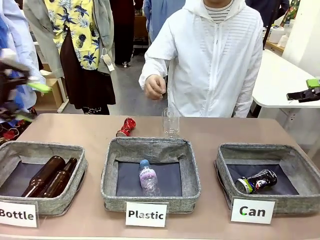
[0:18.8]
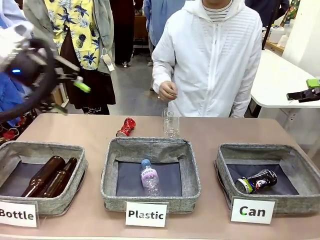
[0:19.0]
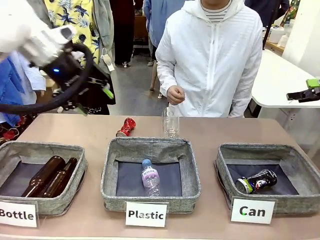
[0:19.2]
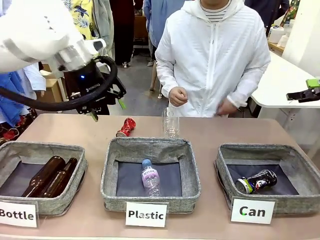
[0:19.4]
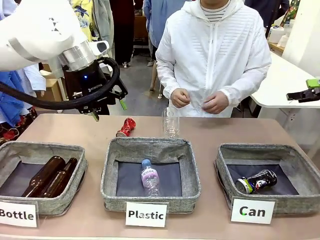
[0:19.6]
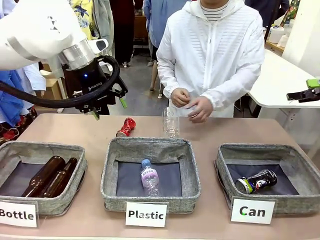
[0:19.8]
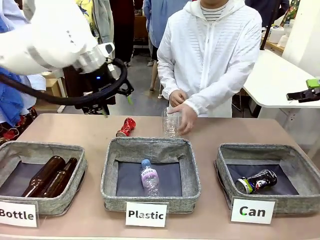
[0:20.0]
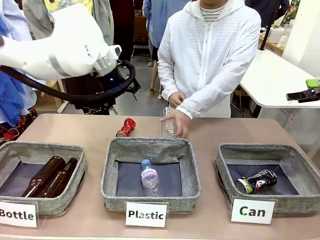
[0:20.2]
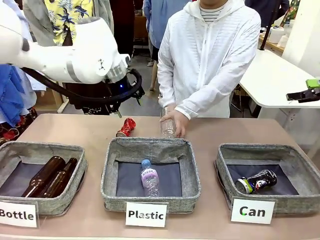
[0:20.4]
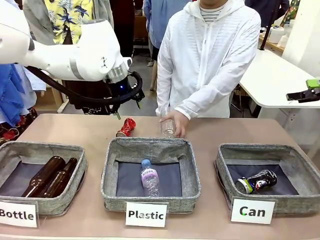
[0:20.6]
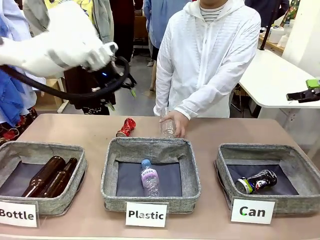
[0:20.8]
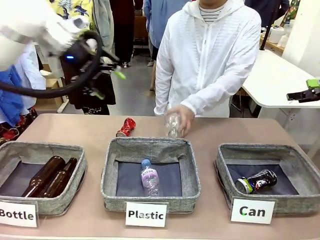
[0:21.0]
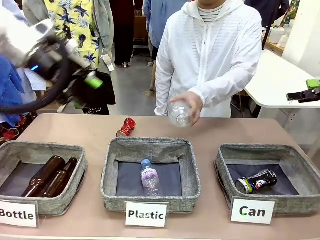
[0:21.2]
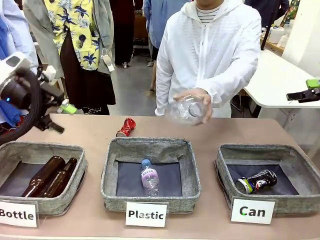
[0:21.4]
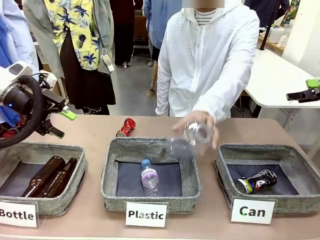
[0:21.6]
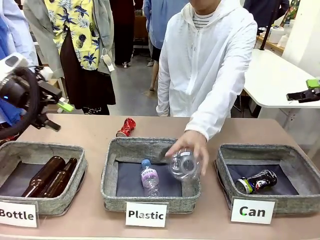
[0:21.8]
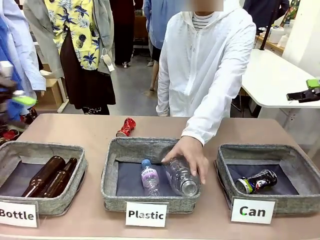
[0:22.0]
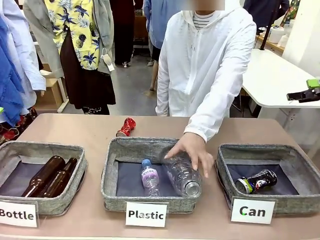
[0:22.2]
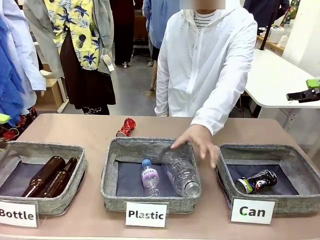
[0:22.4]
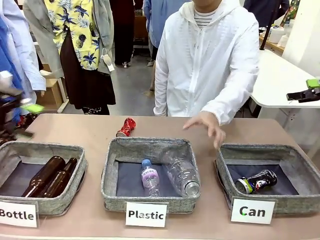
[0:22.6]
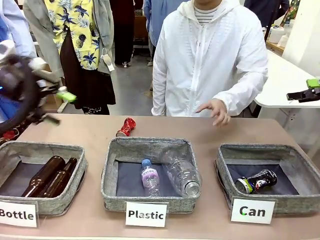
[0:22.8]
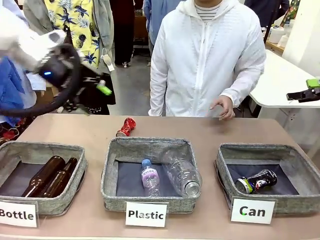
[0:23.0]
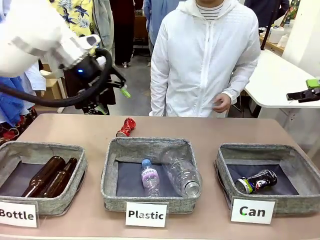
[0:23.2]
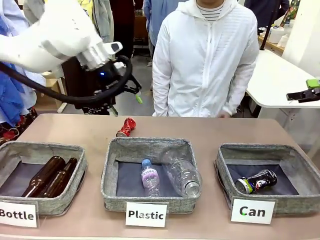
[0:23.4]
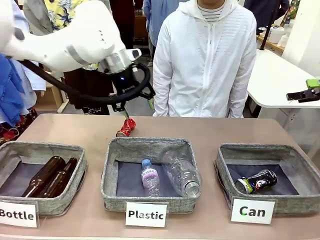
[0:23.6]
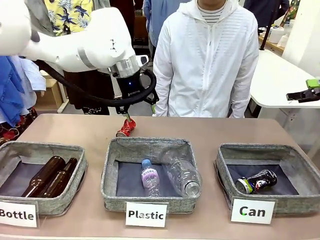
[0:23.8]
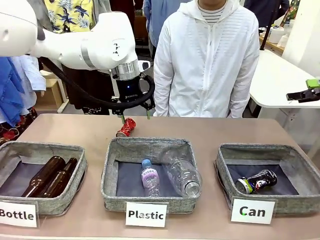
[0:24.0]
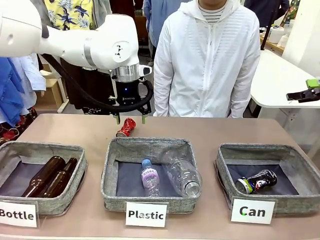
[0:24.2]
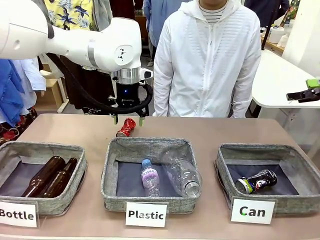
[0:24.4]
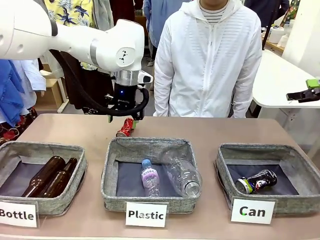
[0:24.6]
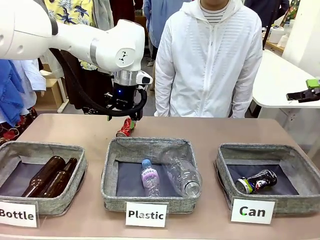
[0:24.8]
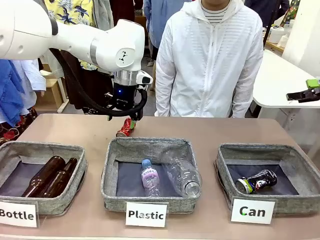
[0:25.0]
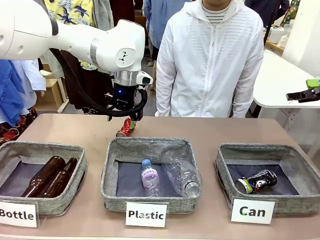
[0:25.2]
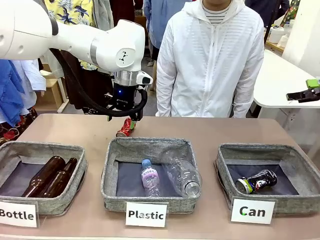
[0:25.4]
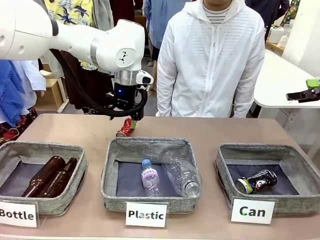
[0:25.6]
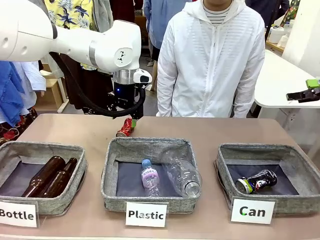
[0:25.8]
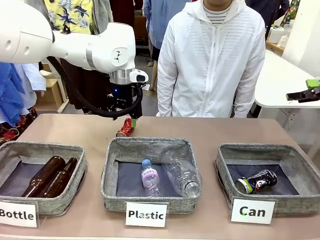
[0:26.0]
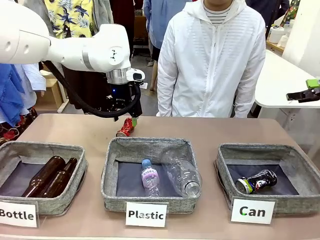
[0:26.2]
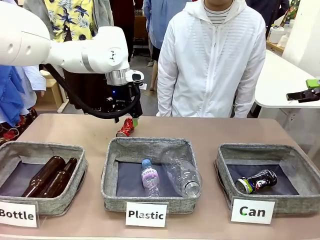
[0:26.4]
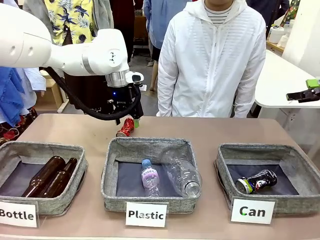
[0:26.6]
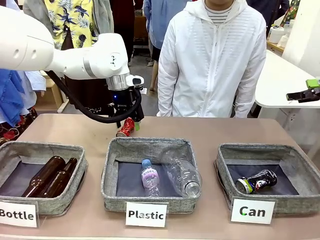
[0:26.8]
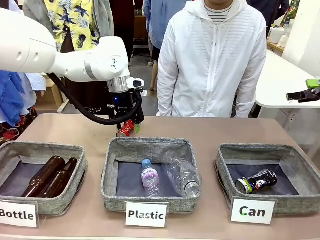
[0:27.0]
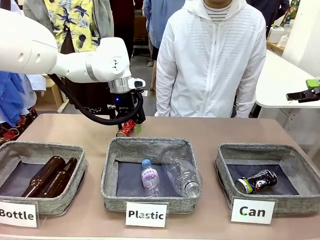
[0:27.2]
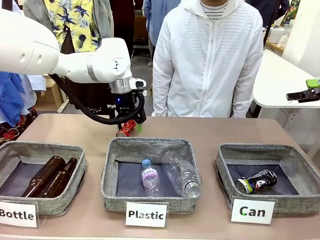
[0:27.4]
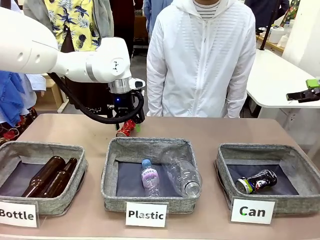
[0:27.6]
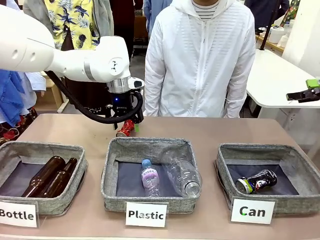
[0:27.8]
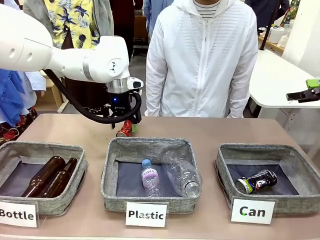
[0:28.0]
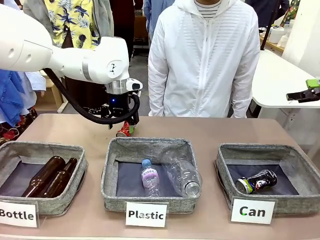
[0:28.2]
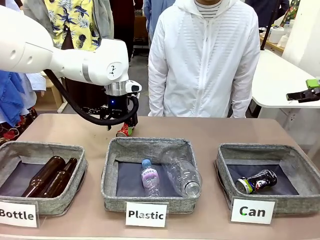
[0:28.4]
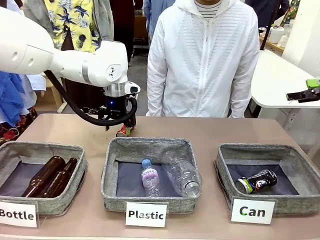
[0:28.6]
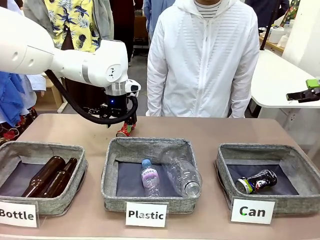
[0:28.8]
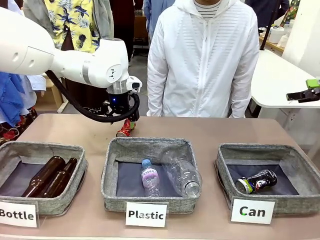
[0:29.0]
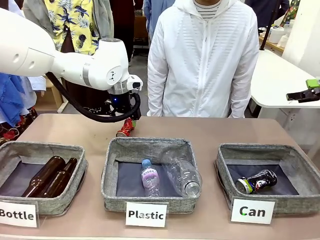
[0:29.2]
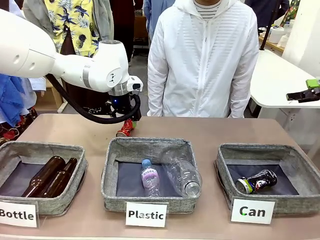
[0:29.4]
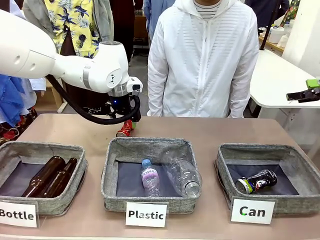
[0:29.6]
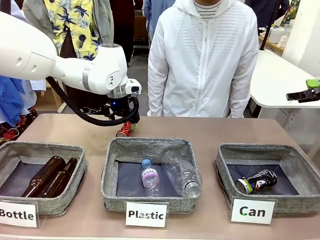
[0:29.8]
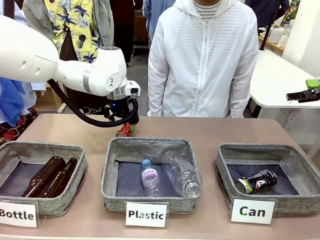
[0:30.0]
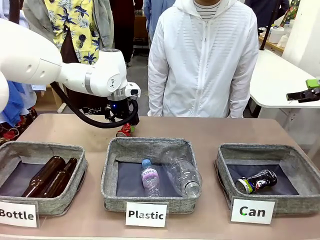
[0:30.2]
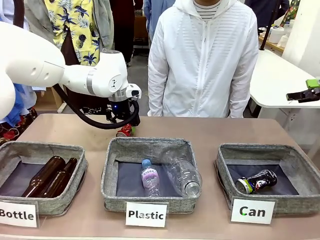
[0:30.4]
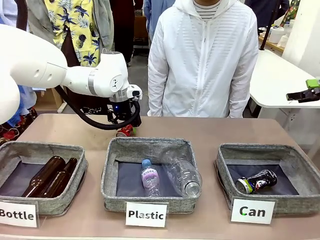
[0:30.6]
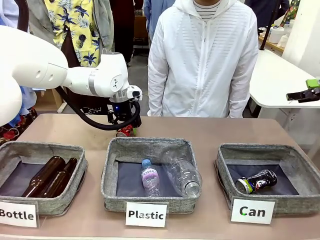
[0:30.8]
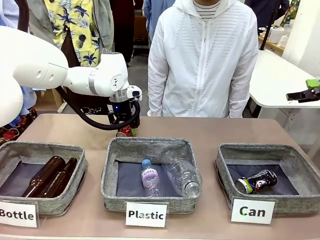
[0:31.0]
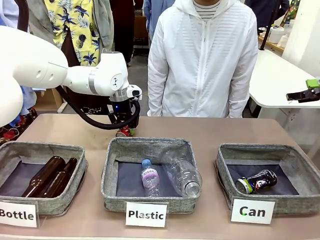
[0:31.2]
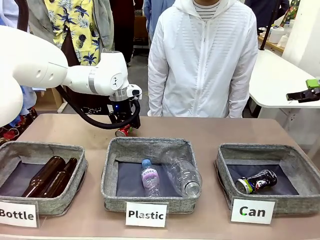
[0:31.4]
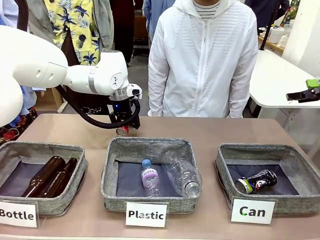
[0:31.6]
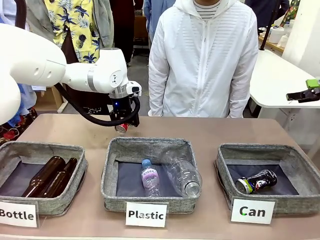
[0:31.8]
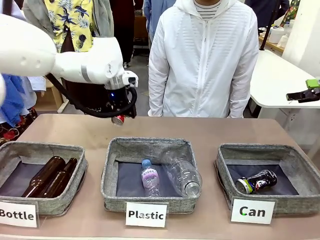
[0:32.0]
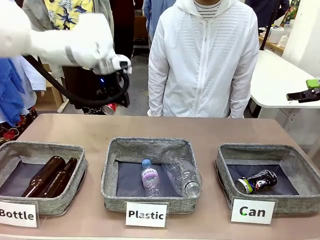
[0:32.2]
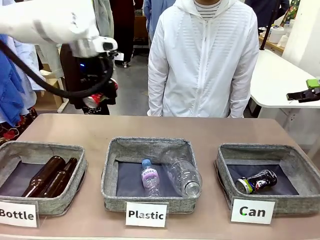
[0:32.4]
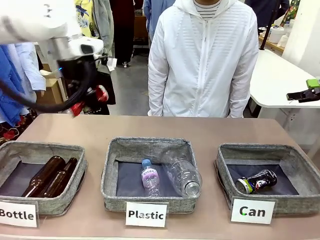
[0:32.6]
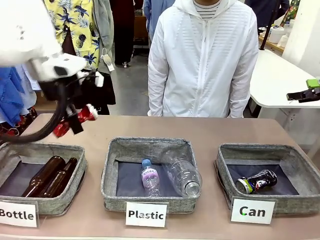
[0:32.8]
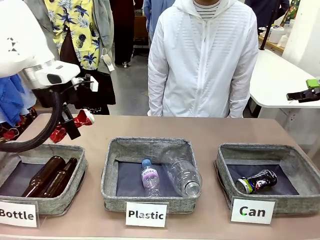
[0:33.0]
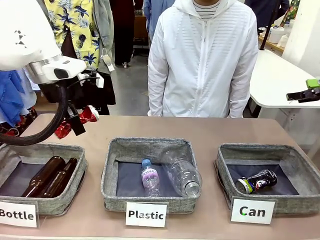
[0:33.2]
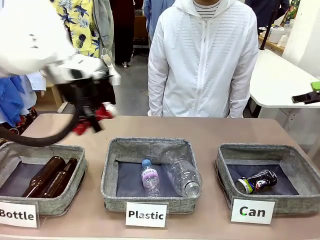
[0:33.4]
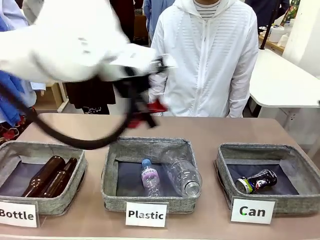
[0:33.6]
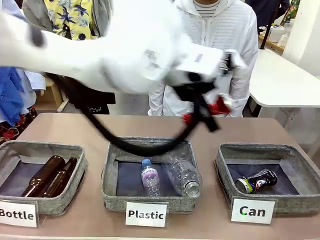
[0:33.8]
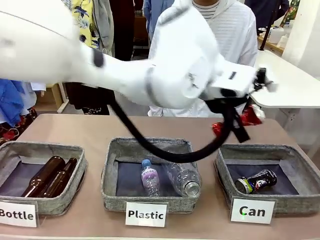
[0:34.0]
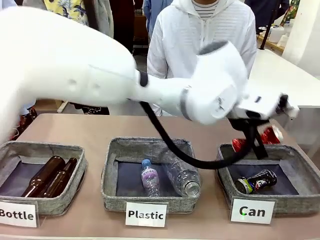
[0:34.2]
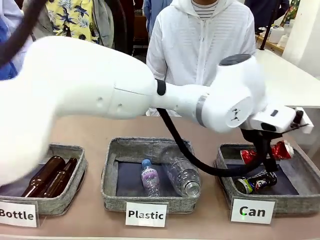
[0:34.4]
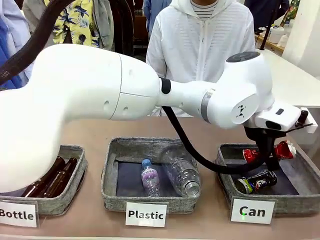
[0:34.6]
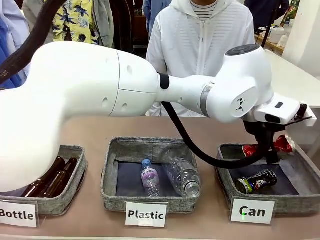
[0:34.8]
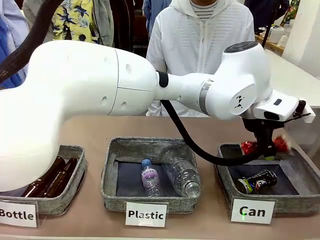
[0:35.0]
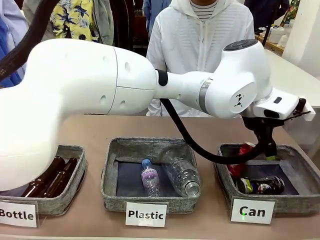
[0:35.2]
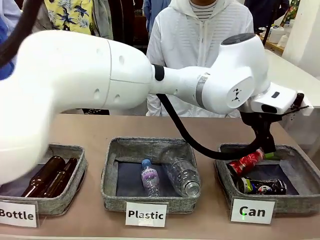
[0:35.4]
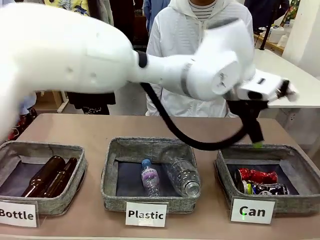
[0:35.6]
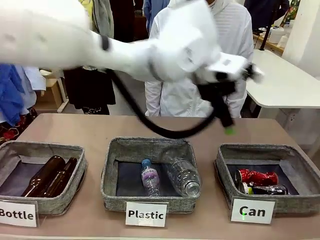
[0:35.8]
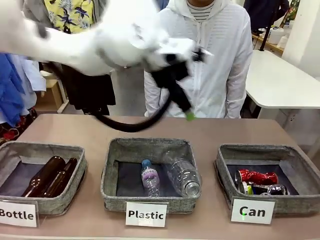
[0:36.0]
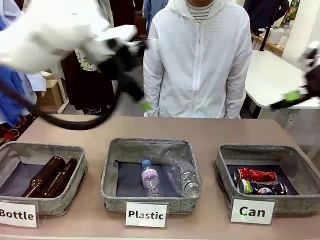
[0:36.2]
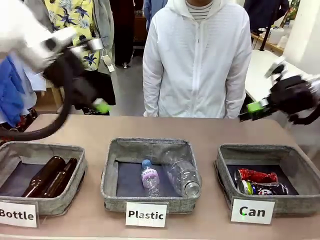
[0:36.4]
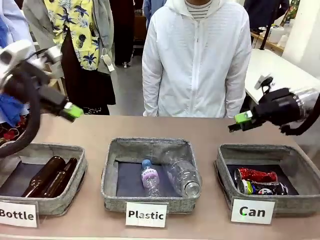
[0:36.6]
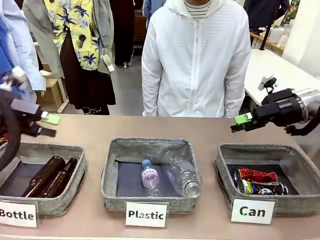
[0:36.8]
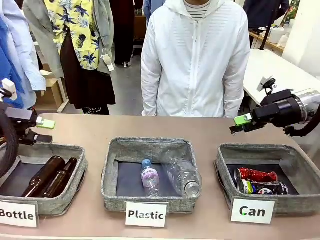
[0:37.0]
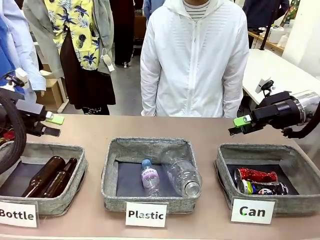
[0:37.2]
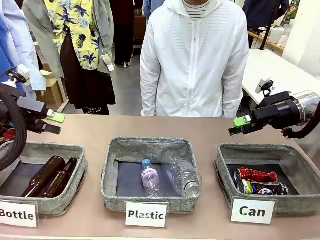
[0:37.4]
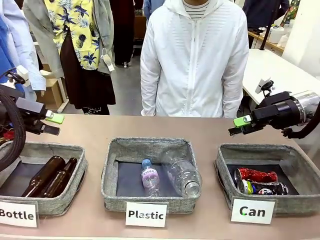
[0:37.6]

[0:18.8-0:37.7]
Task: Sort the can waste into the basket.
Robot: Pick up the can waste from the table and place it in the right Fabric basket.
Person: The human picks up one piece of trash that is not a can and places the trash into the appropriate organizing basket.
